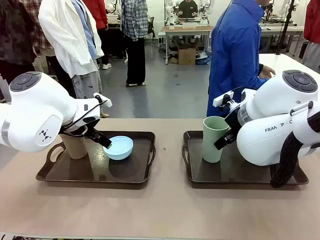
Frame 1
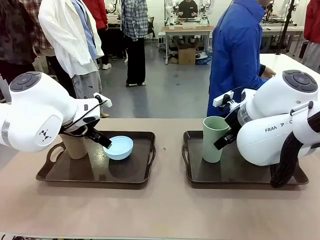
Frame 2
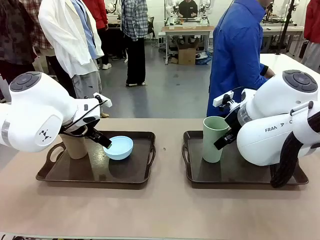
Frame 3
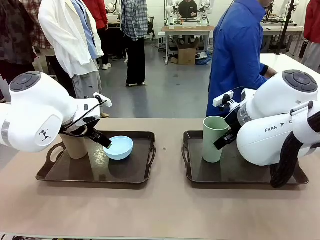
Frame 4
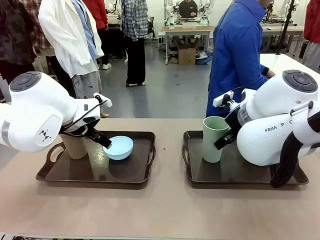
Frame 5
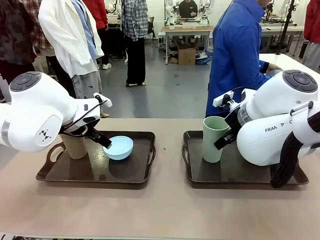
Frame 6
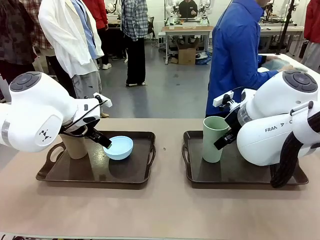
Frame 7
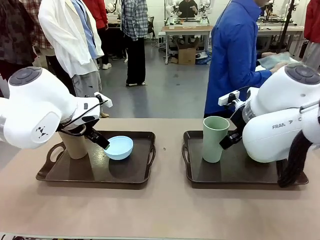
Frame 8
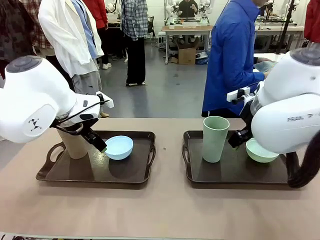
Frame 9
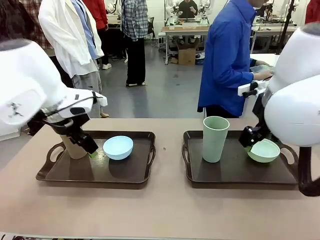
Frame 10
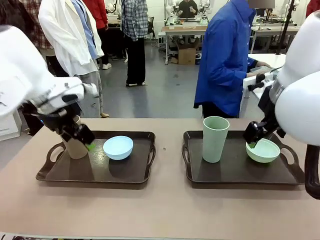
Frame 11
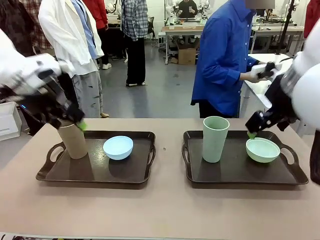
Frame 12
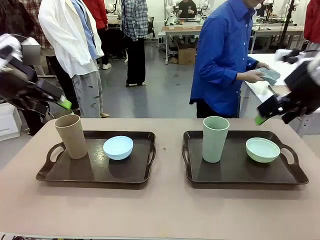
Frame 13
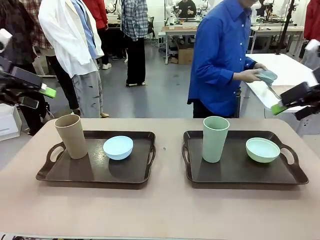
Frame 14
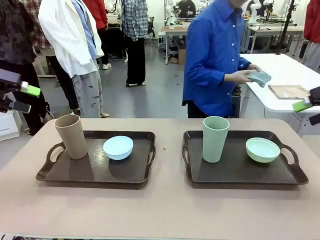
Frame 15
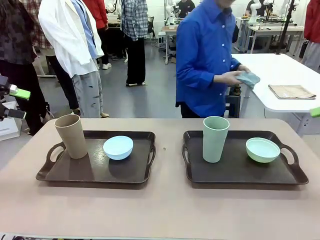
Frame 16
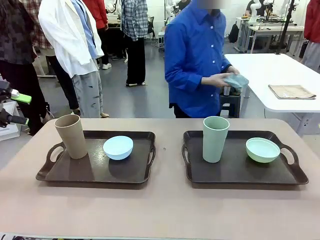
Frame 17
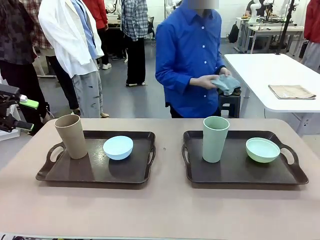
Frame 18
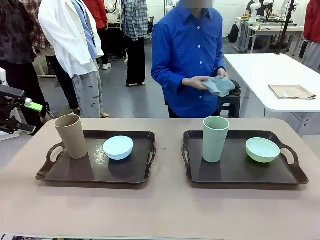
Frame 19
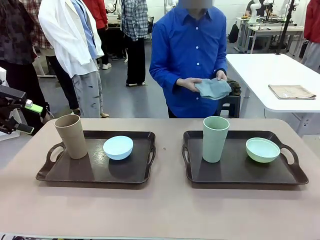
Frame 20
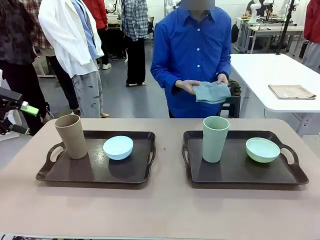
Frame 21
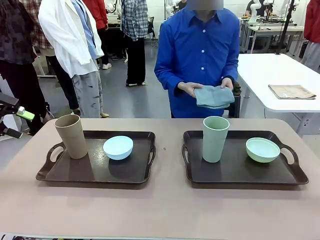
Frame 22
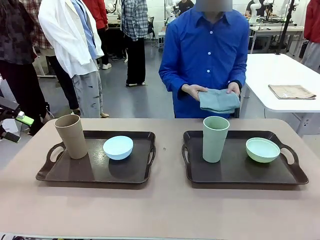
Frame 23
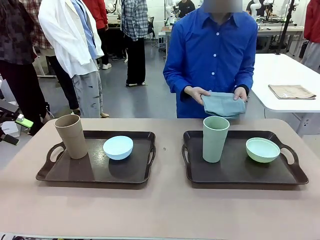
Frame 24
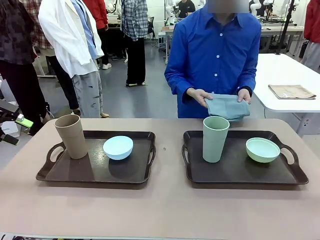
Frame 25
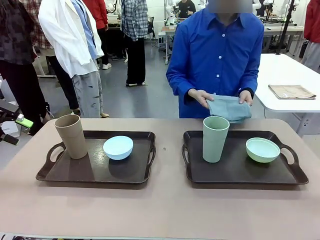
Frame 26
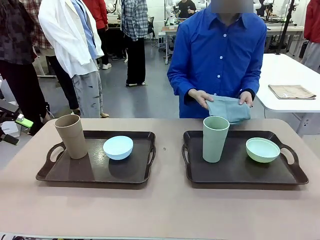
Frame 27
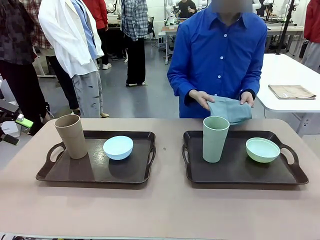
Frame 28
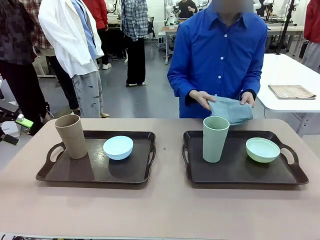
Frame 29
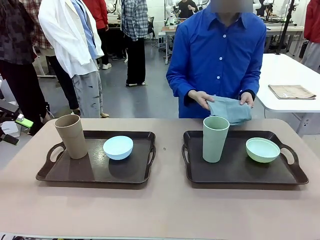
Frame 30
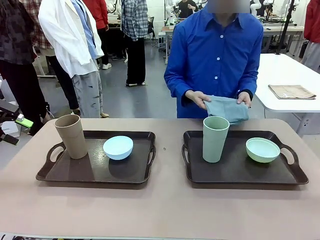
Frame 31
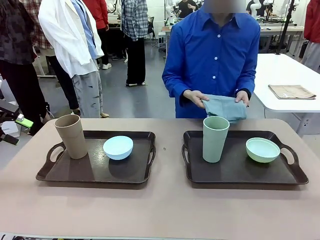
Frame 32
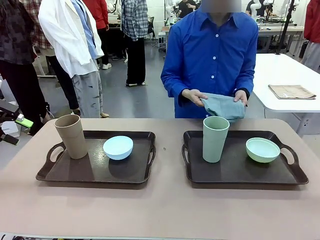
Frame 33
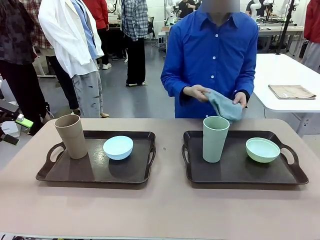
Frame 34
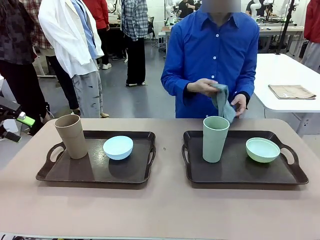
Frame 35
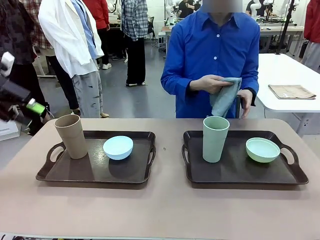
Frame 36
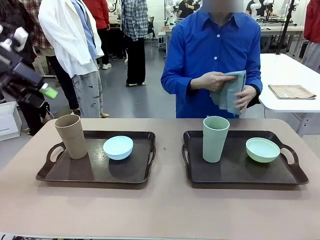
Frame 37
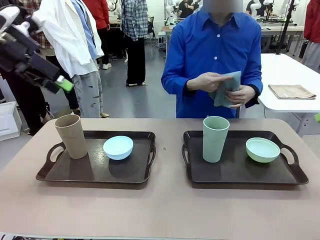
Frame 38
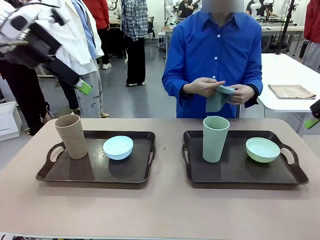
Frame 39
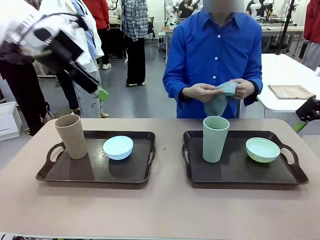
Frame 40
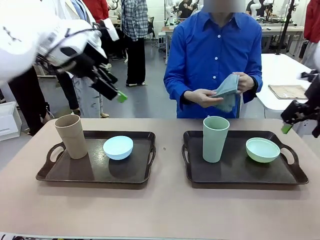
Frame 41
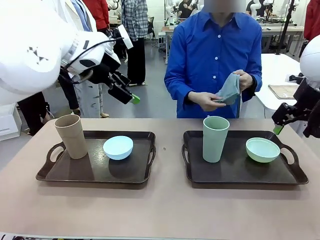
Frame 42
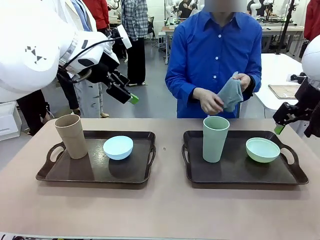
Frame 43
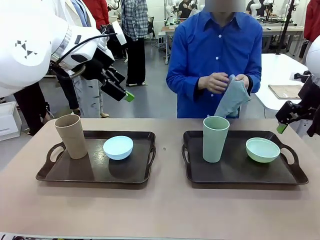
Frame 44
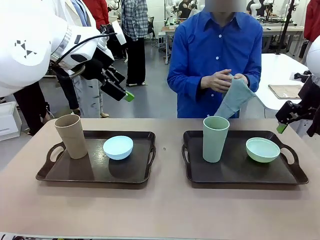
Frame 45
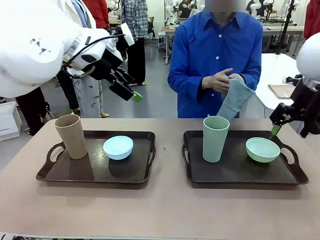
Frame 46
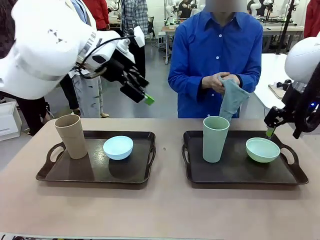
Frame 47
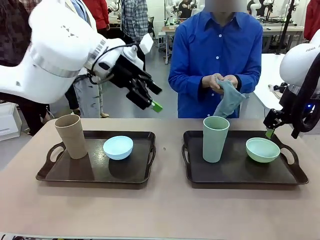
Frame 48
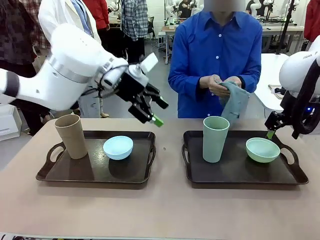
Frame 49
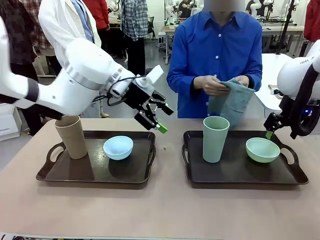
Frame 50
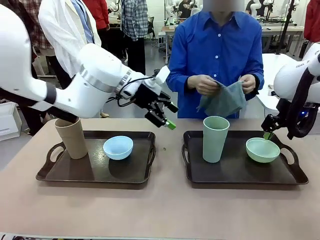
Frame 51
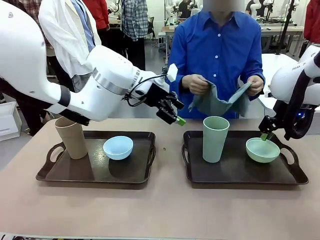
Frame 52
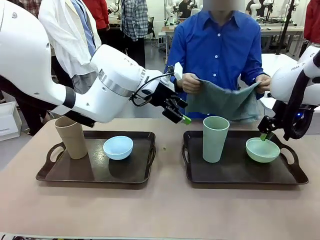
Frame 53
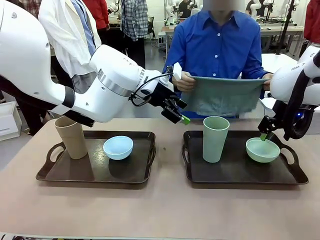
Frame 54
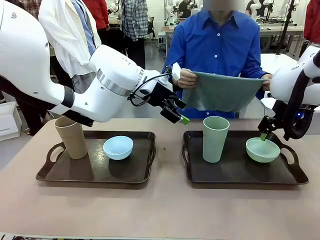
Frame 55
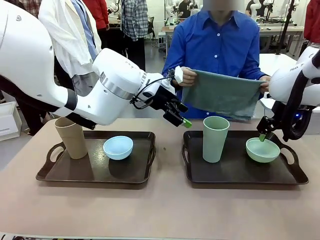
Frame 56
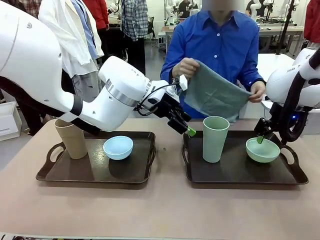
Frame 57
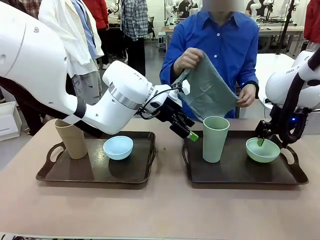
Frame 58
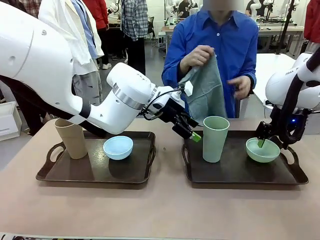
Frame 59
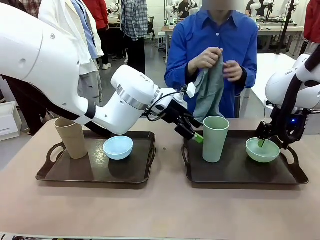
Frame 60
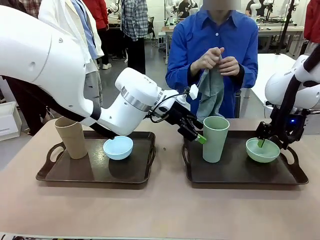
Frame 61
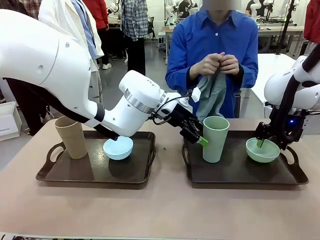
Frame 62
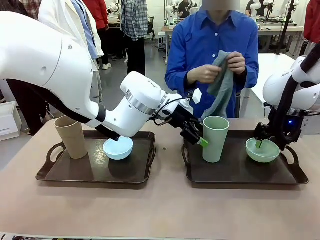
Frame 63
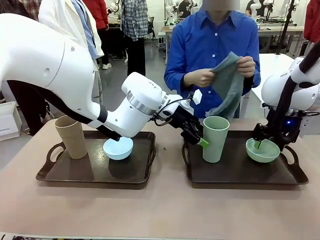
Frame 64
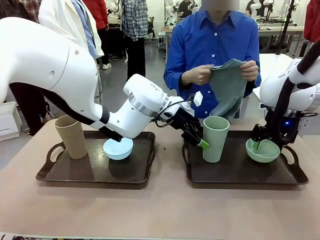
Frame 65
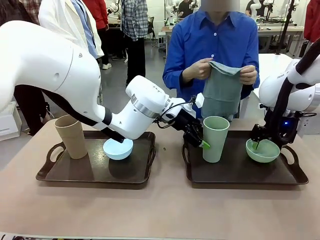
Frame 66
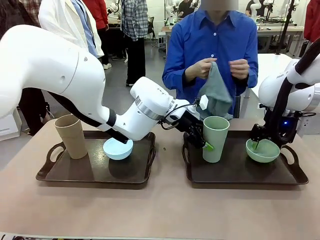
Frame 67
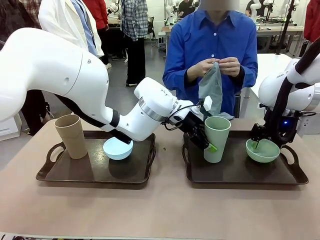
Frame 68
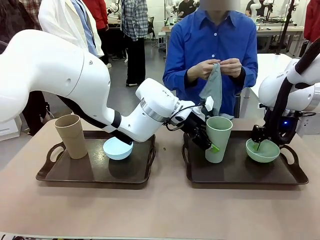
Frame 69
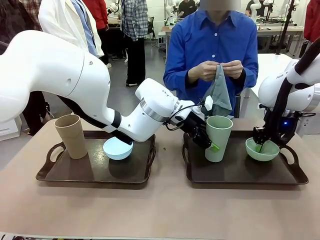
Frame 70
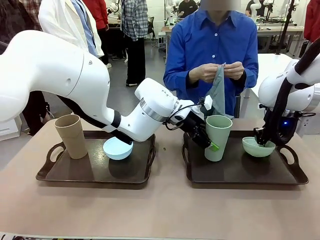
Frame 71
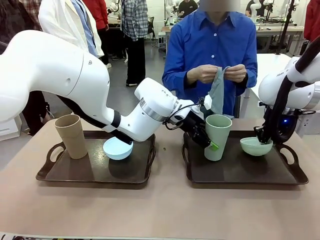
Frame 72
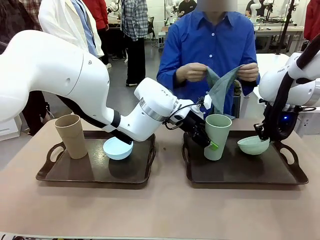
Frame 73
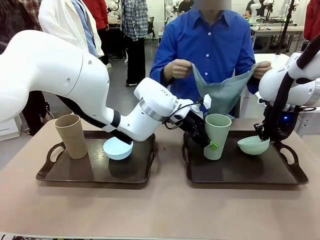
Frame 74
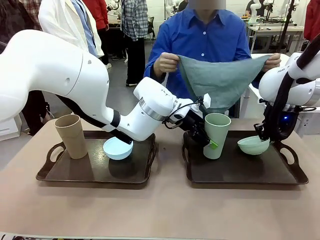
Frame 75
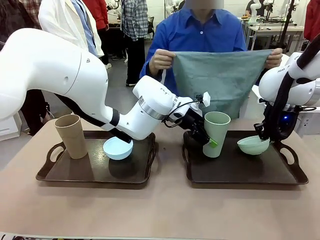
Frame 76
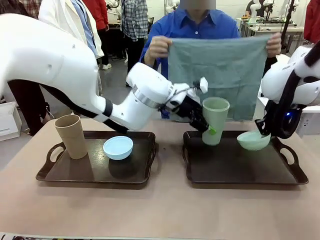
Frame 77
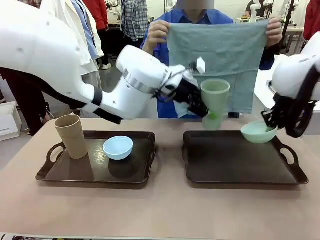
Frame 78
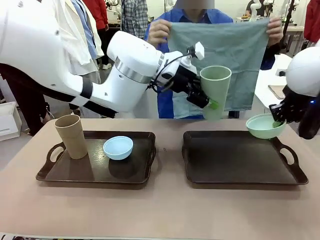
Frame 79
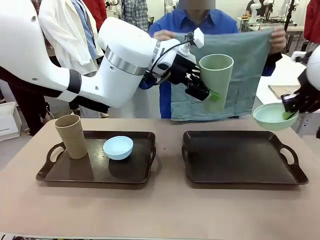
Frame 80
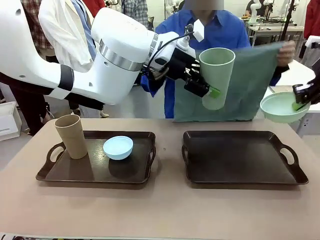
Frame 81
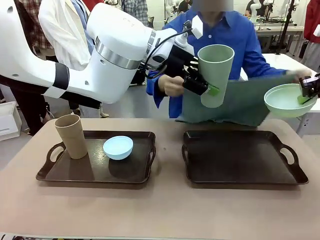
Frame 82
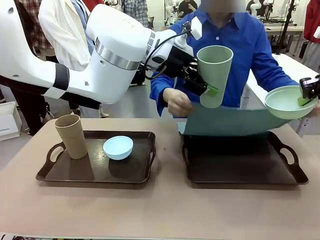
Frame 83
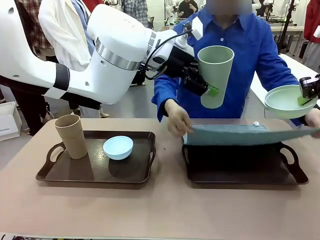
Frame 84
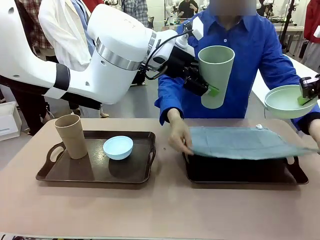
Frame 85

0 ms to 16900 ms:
Robot: Pick up the Picnic Bowl and Reusable plastic cup from the Handle tray in front of the human's position and hold them in the air.
Person: The human picks up the top napkin from the stack on the human table and walks to the robot table to stand in front of one of the two trays. When the robot lifts the bowl and the cup, the human unfolds the napkin and lays the napkin flat on the tray.
